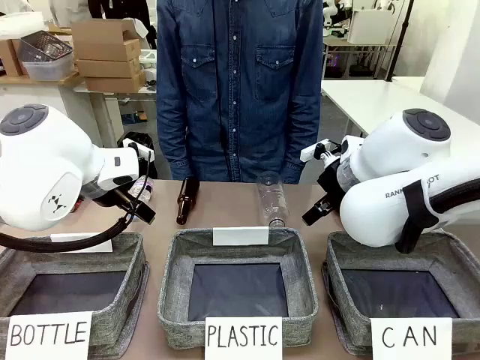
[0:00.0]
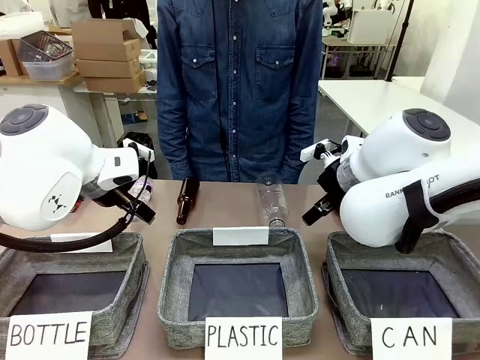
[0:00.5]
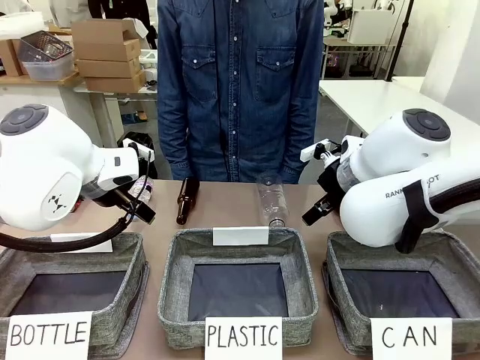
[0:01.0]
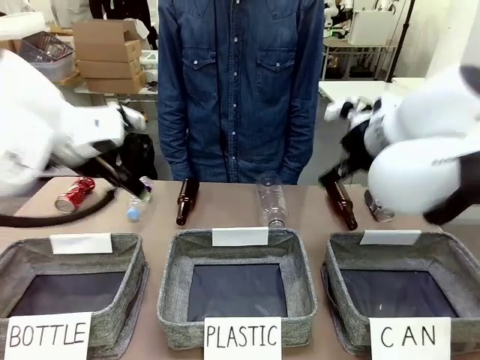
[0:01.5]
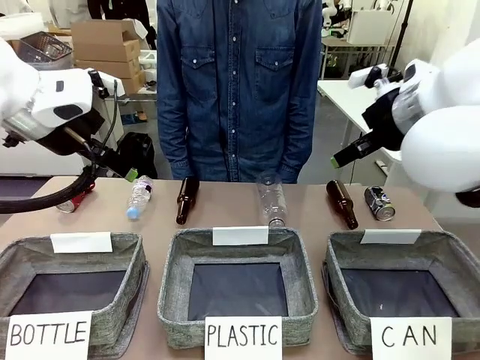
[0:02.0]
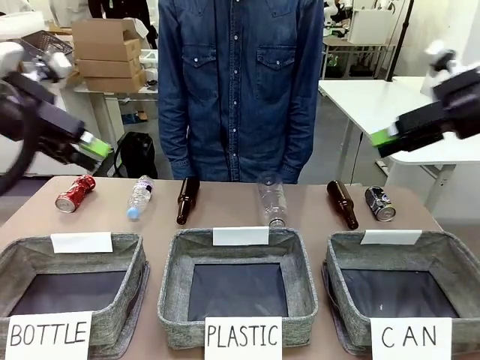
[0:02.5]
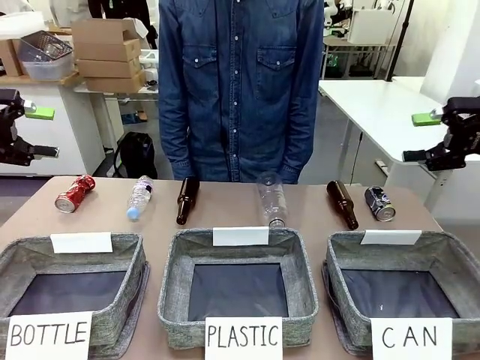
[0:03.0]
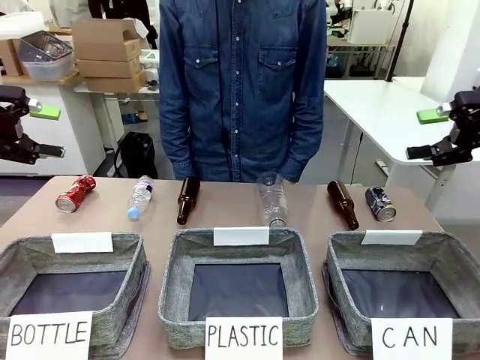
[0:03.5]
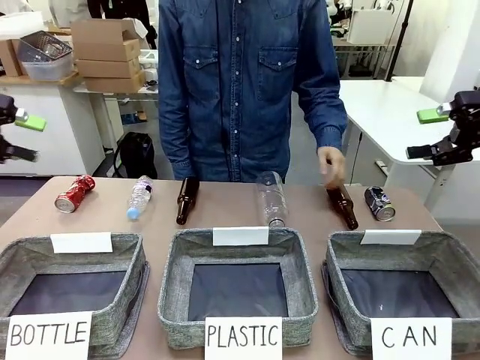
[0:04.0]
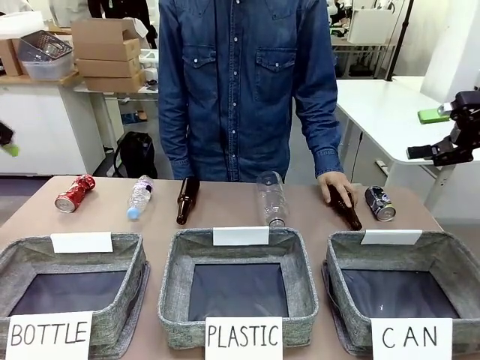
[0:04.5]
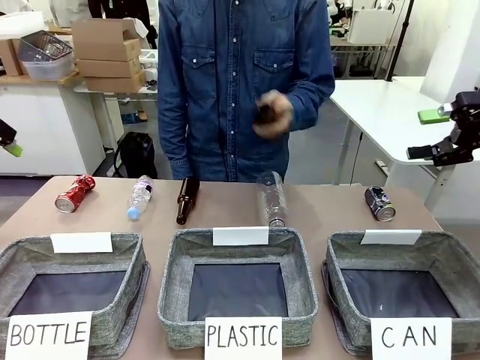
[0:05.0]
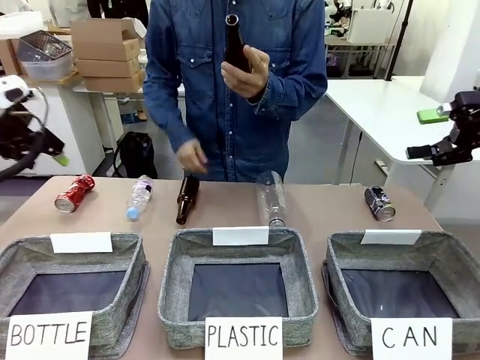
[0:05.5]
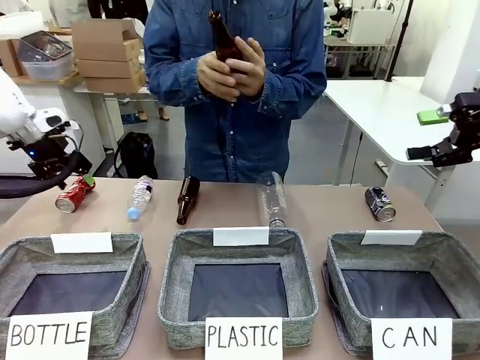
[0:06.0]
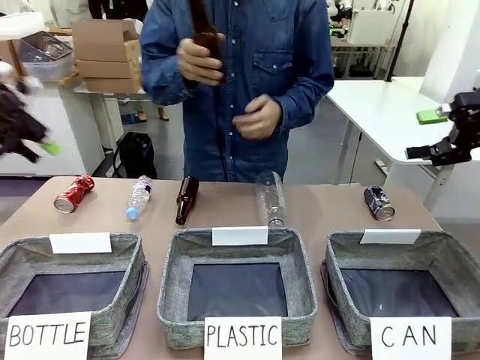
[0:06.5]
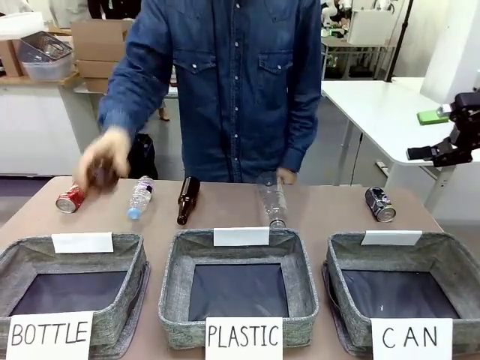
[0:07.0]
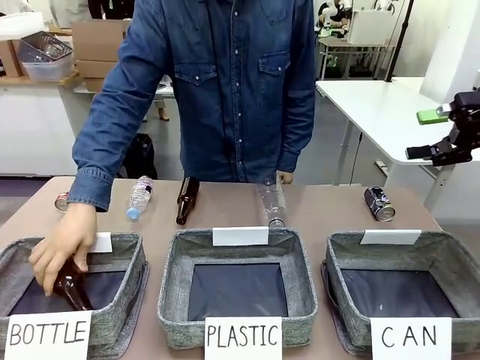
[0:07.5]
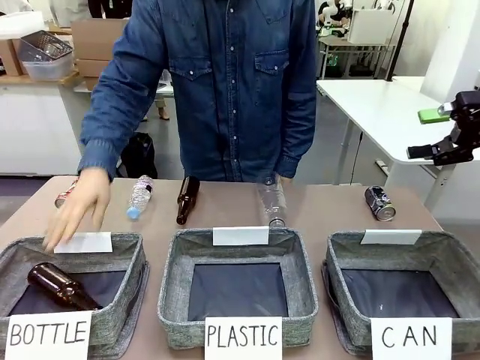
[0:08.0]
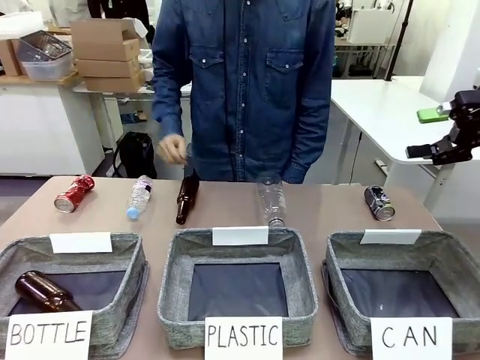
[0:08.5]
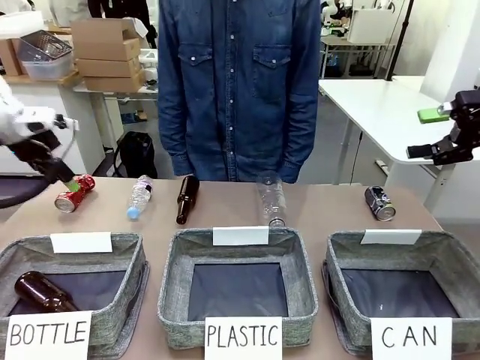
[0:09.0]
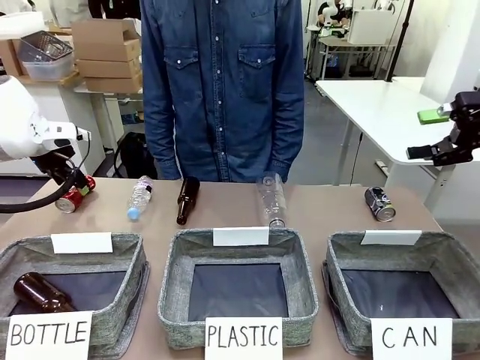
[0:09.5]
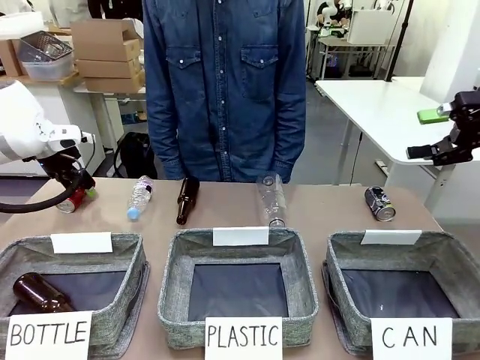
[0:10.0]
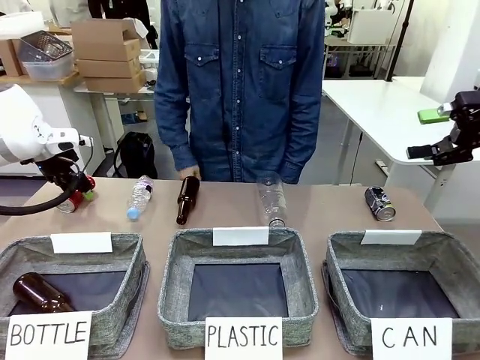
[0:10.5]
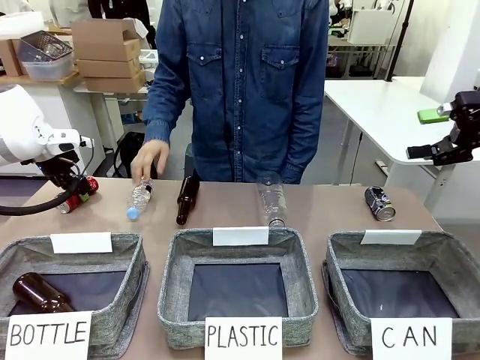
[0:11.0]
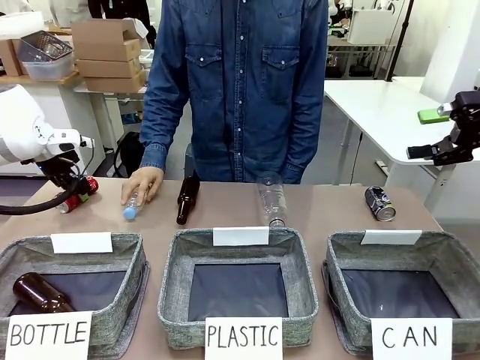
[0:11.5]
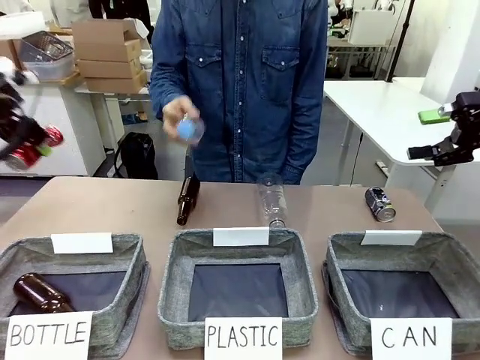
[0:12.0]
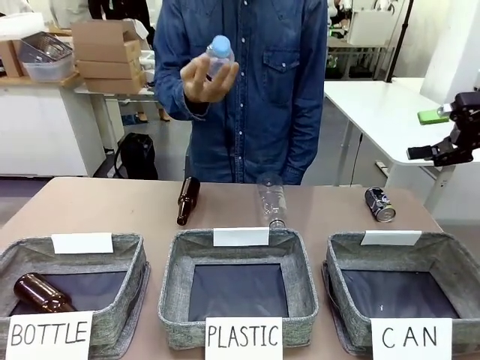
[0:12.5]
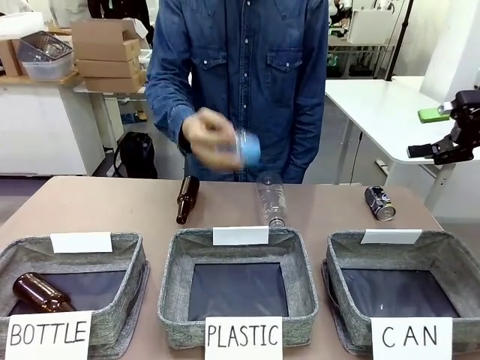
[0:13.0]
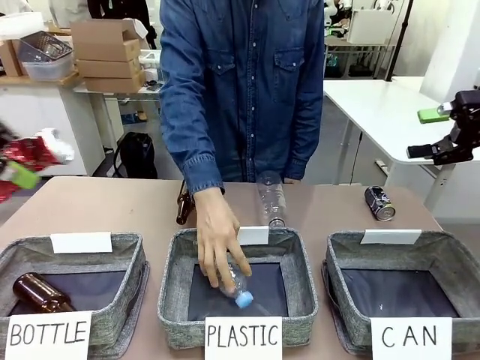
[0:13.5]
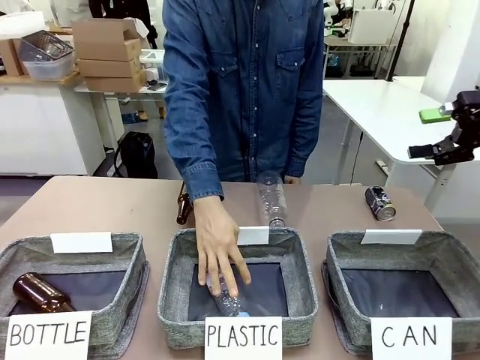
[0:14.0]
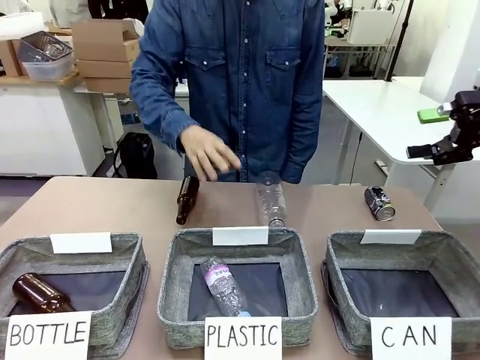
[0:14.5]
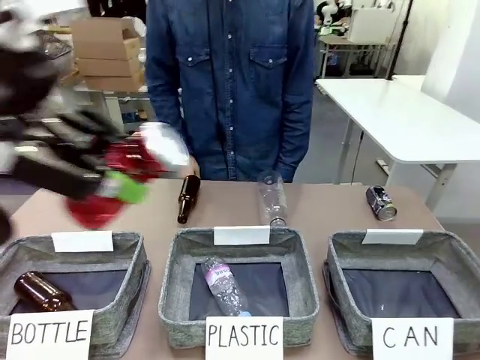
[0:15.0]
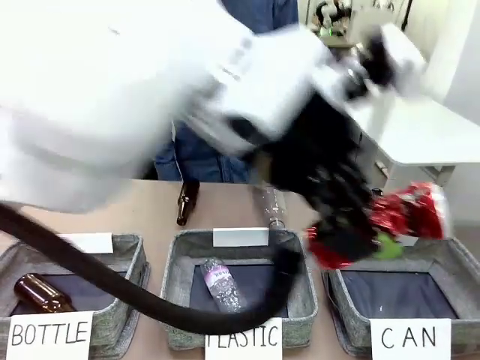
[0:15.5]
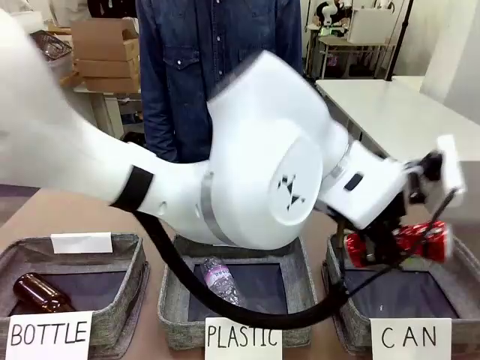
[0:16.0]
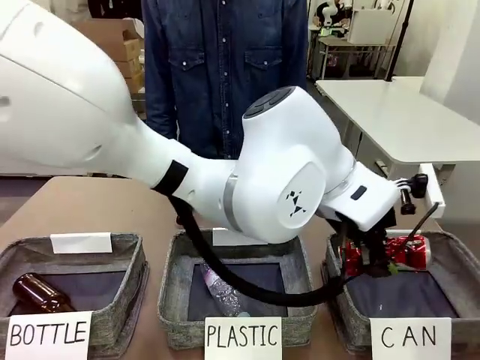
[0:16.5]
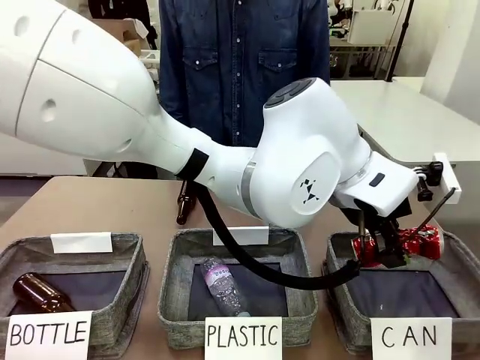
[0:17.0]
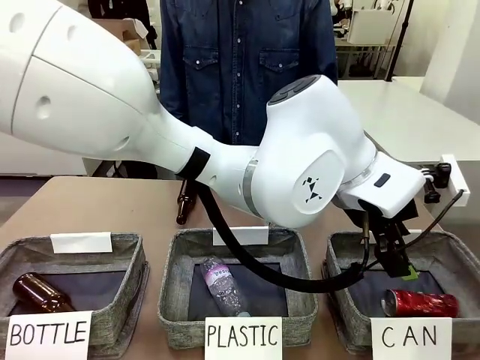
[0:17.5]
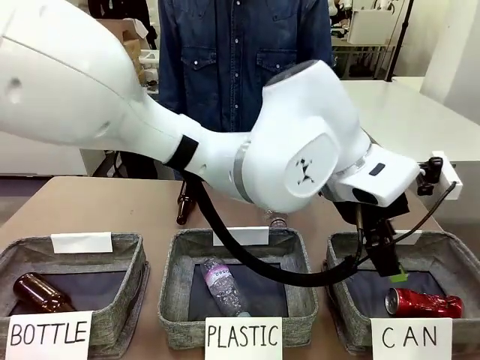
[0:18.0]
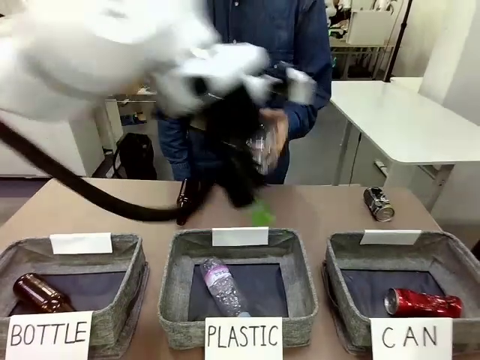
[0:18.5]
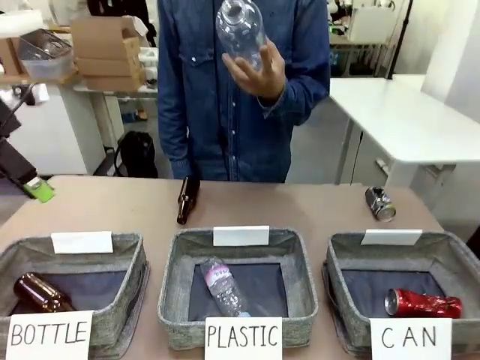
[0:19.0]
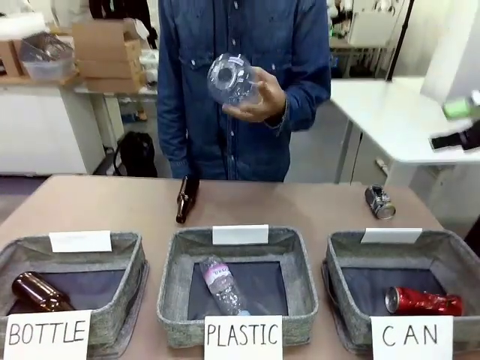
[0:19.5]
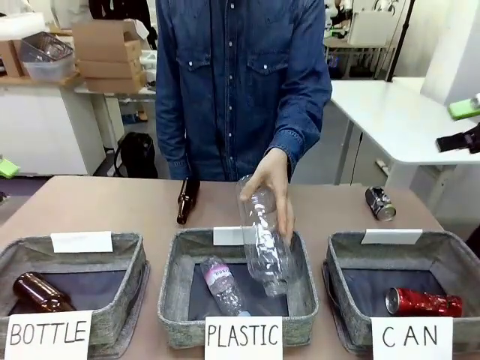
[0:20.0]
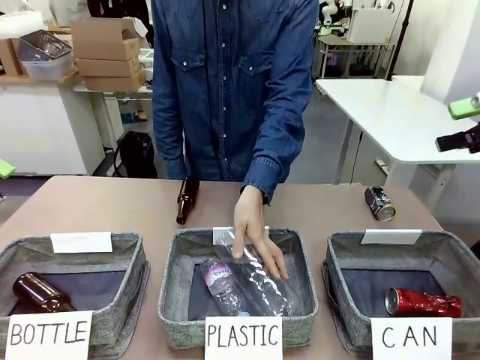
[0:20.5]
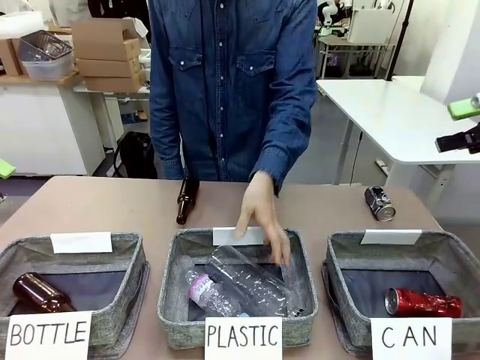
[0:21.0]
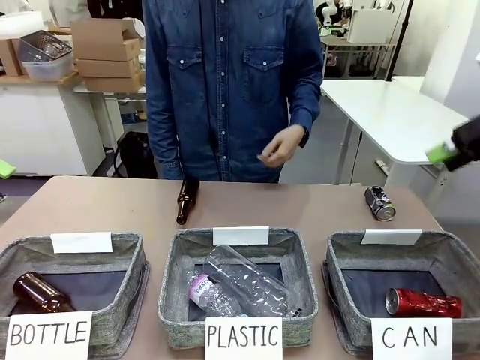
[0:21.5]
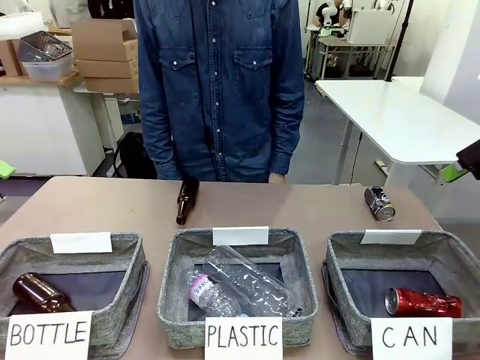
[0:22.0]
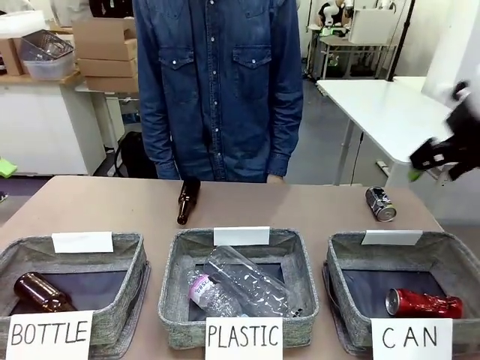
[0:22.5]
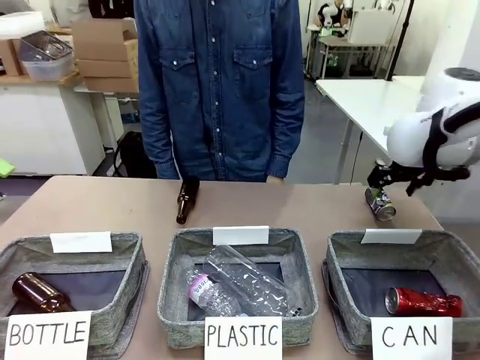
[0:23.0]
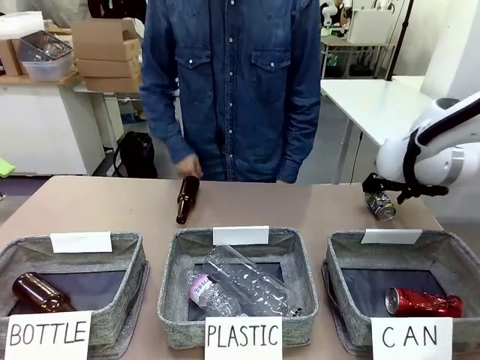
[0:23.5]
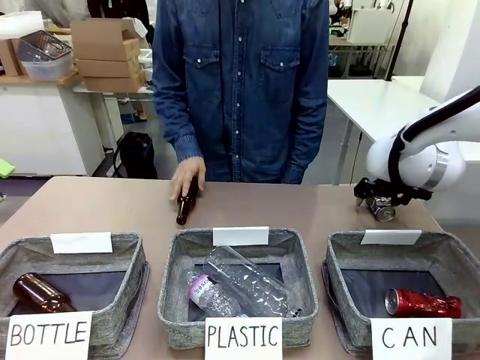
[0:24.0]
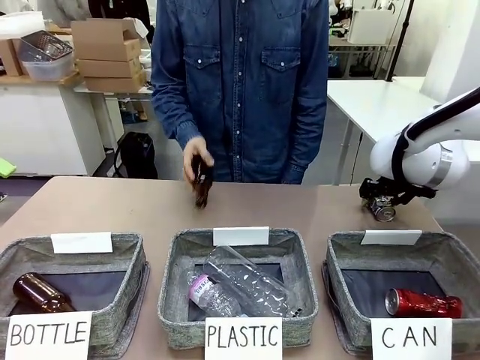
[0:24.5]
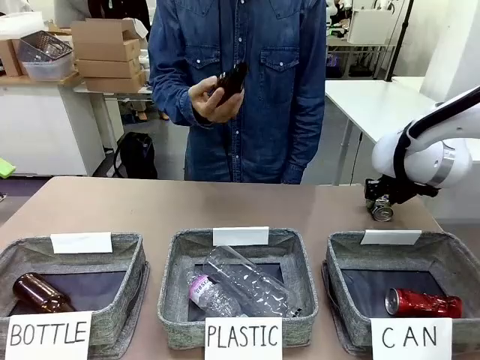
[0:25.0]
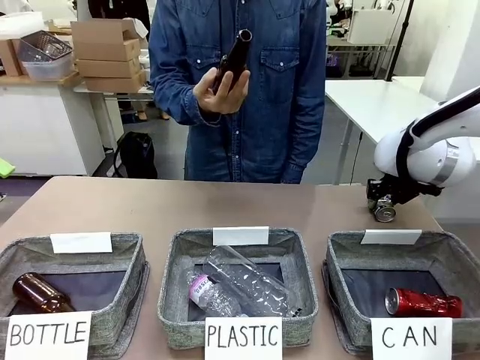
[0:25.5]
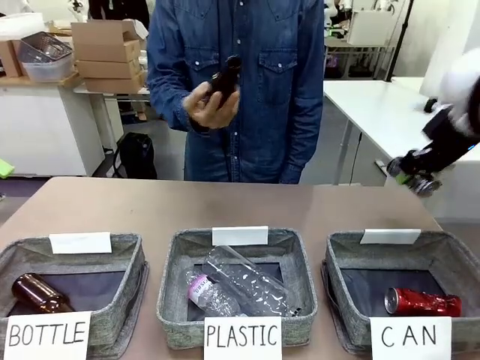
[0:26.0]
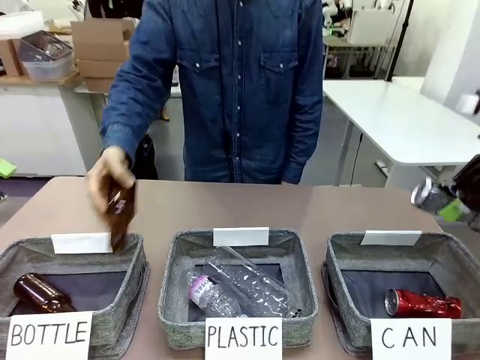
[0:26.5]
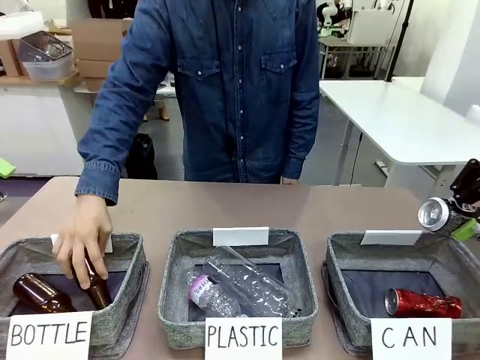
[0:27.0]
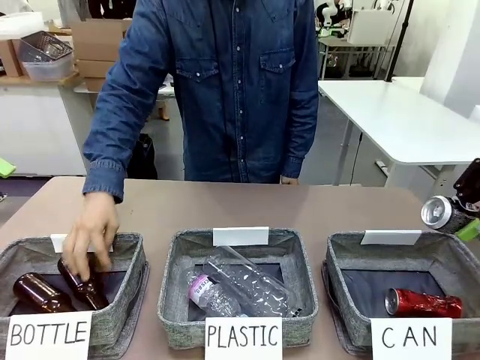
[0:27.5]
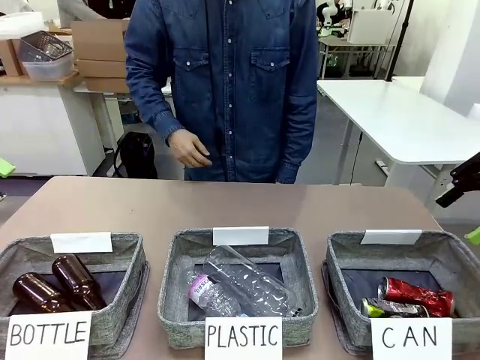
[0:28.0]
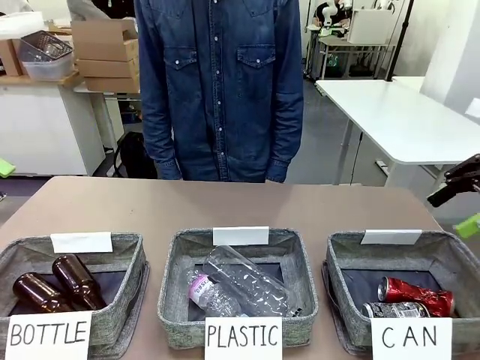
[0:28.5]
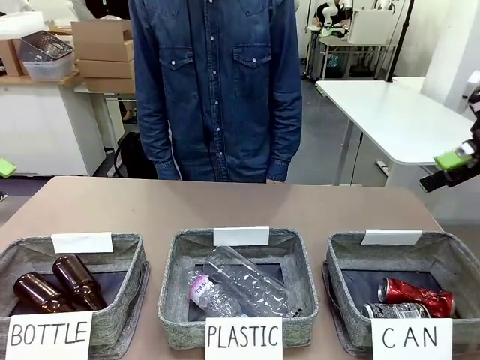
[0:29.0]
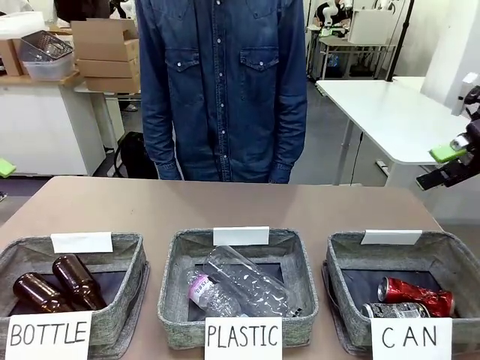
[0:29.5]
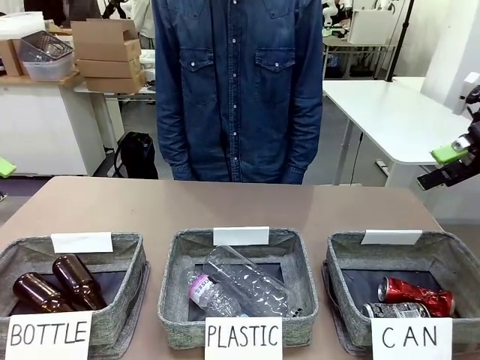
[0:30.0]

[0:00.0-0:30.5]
Task: Sort the can waste into the basket.
Robot: Pick up the can waste from the table and place it in the right Fabric basket.
Person: The human picks up one piece of trash that is not a can and places the trash into the appropriate organizing basket.
